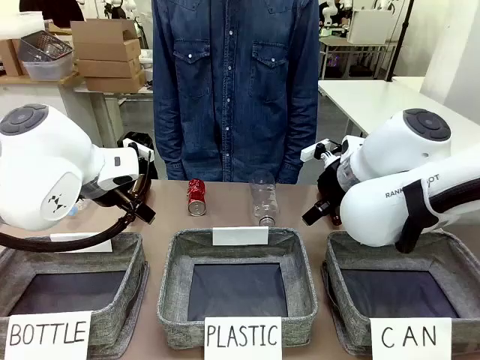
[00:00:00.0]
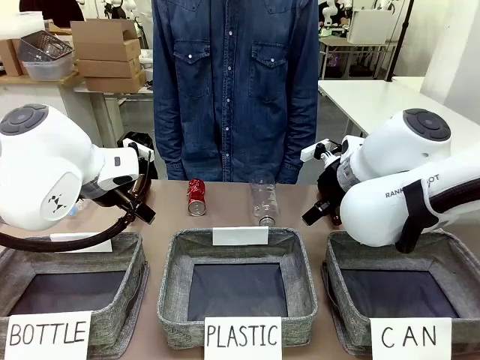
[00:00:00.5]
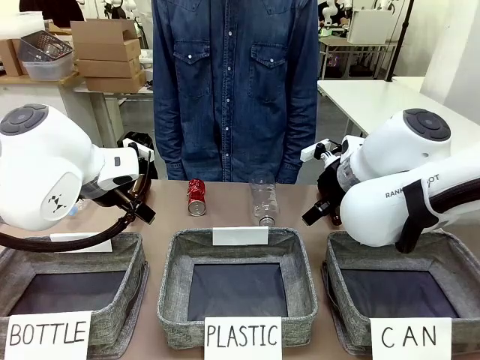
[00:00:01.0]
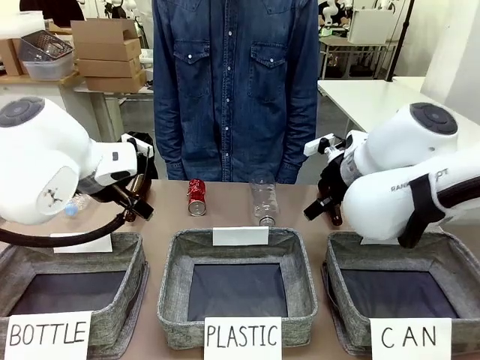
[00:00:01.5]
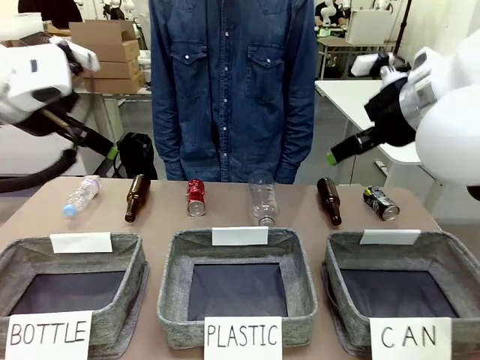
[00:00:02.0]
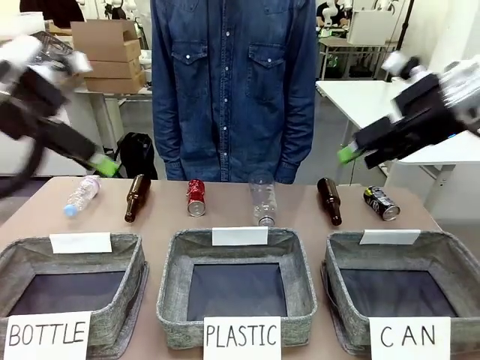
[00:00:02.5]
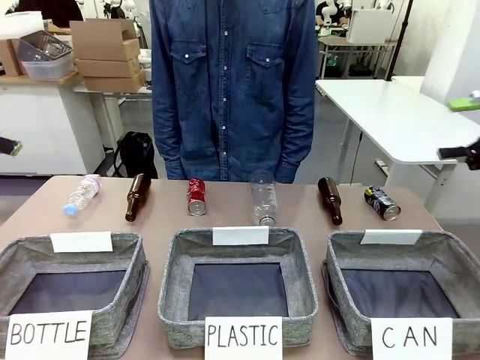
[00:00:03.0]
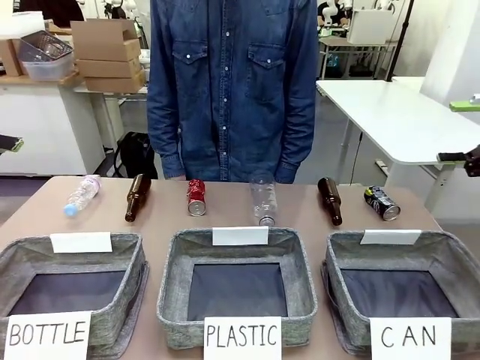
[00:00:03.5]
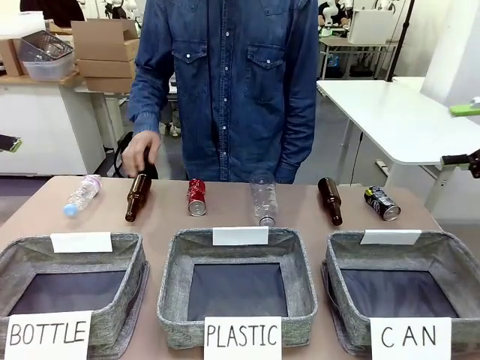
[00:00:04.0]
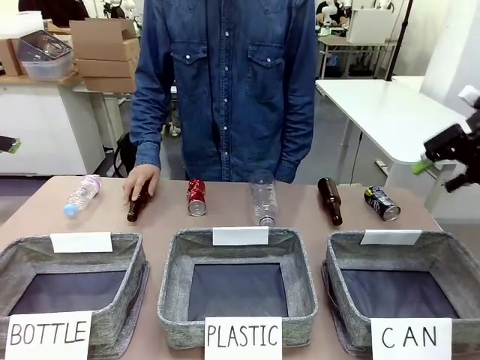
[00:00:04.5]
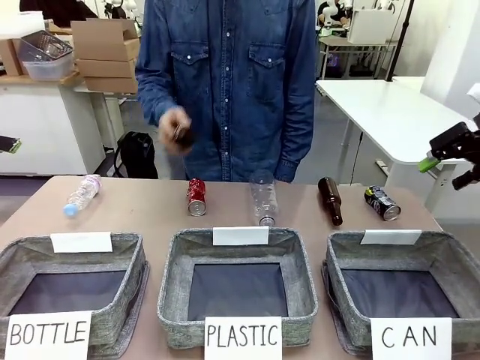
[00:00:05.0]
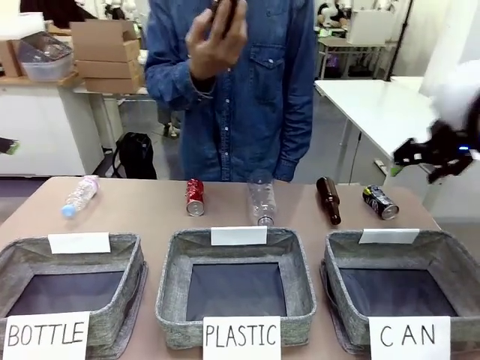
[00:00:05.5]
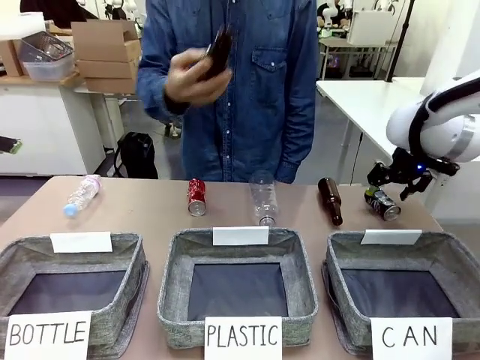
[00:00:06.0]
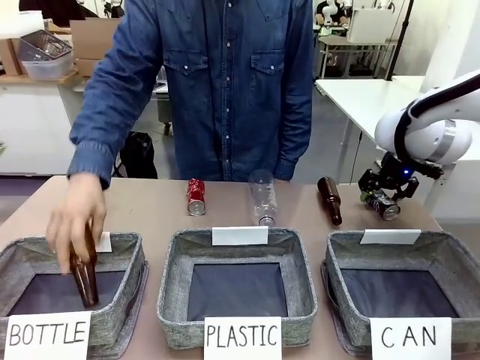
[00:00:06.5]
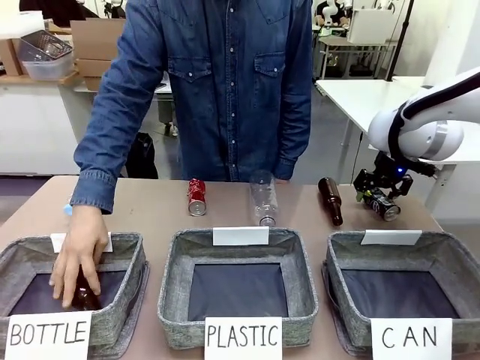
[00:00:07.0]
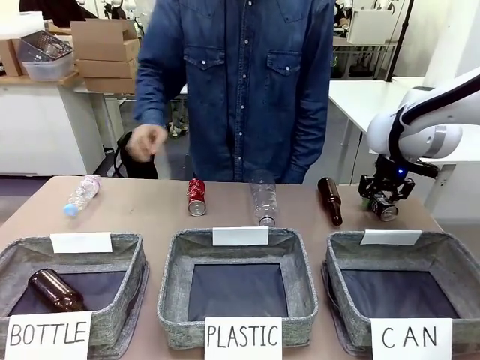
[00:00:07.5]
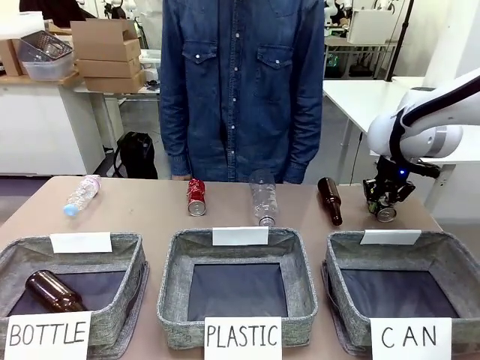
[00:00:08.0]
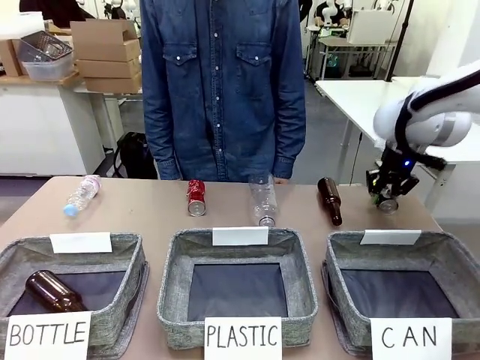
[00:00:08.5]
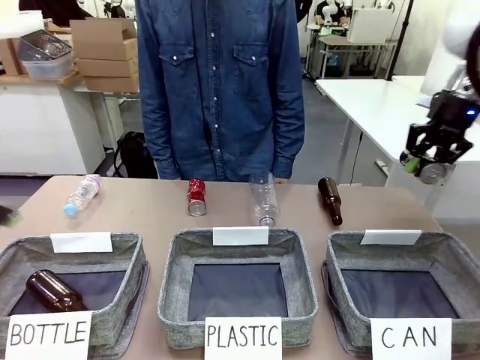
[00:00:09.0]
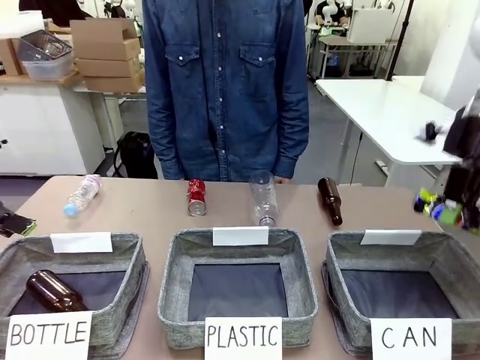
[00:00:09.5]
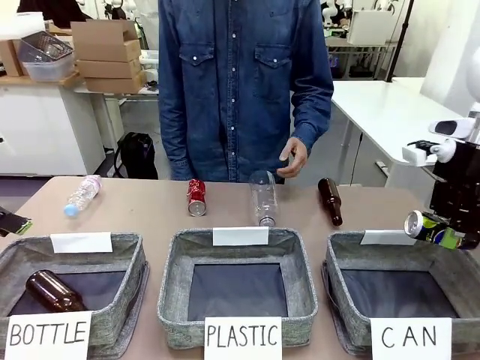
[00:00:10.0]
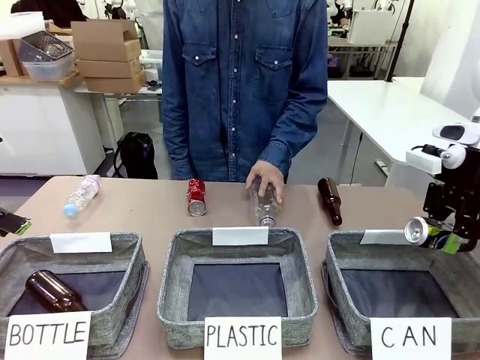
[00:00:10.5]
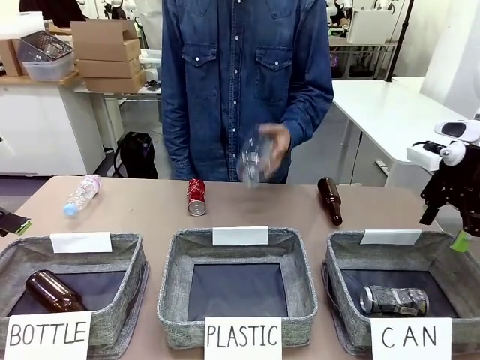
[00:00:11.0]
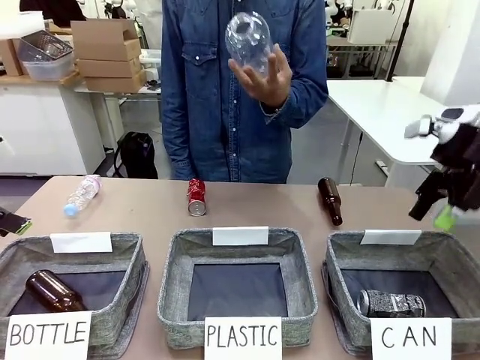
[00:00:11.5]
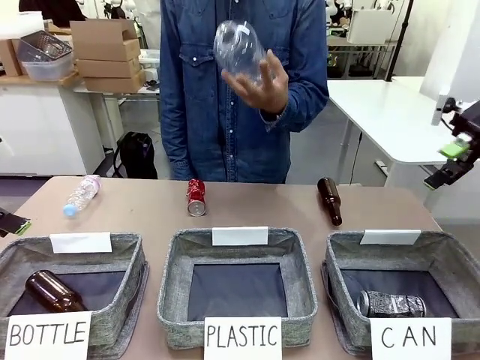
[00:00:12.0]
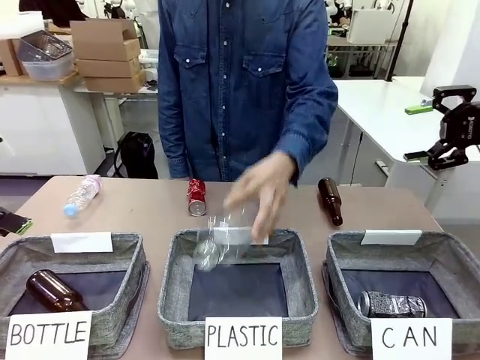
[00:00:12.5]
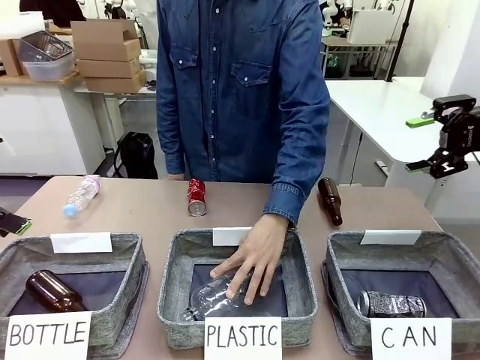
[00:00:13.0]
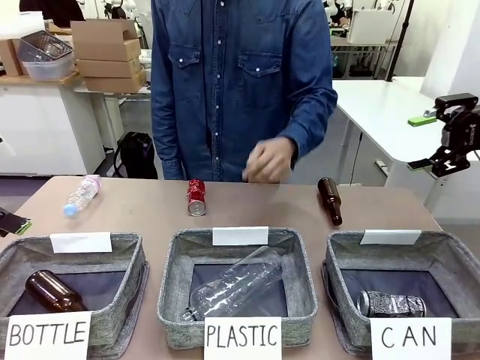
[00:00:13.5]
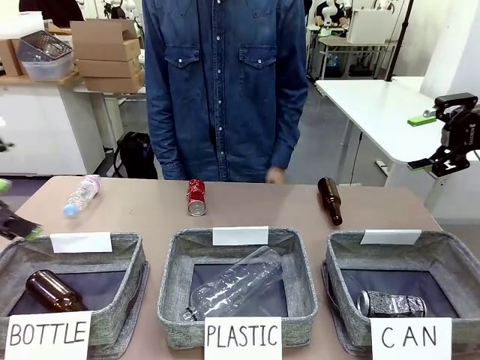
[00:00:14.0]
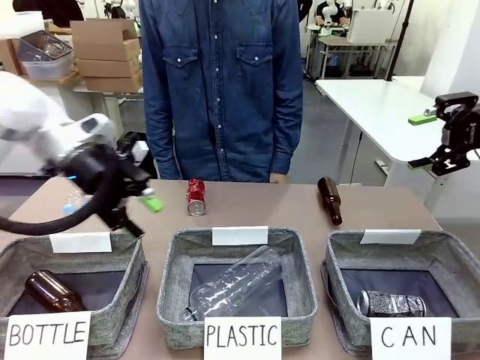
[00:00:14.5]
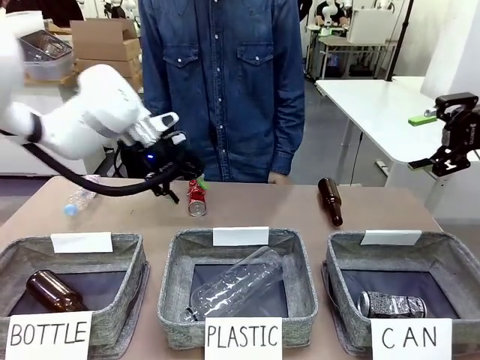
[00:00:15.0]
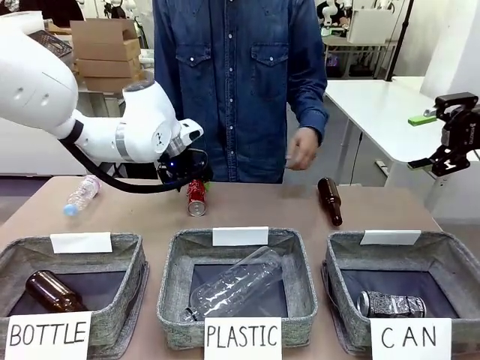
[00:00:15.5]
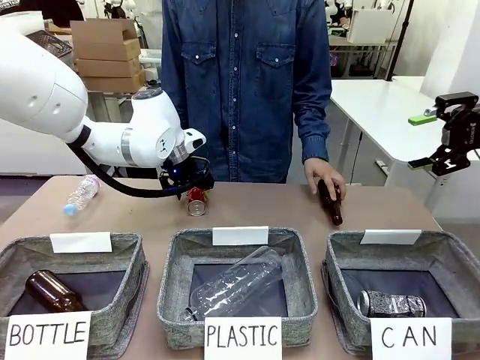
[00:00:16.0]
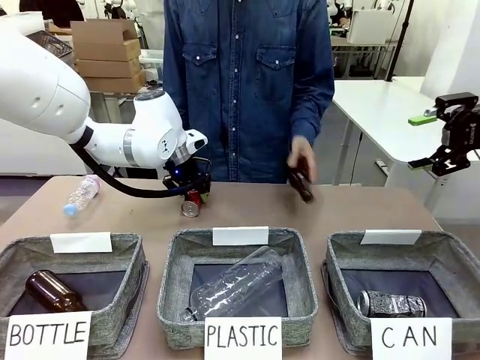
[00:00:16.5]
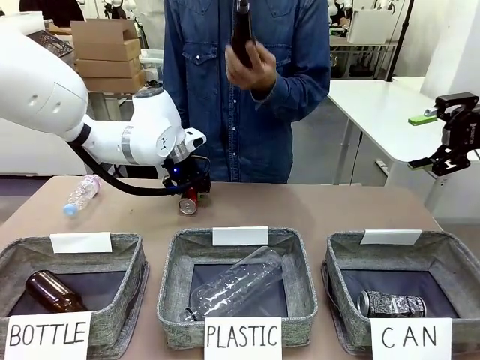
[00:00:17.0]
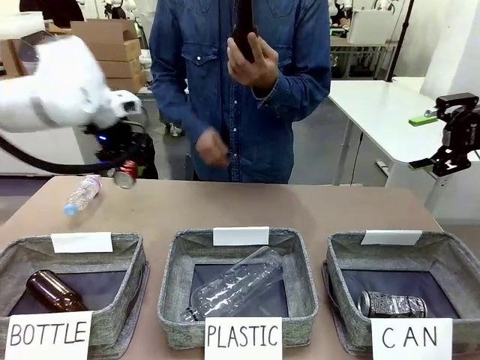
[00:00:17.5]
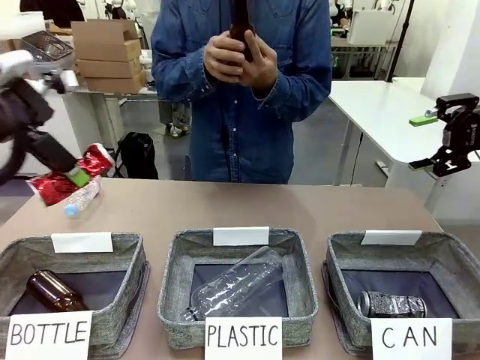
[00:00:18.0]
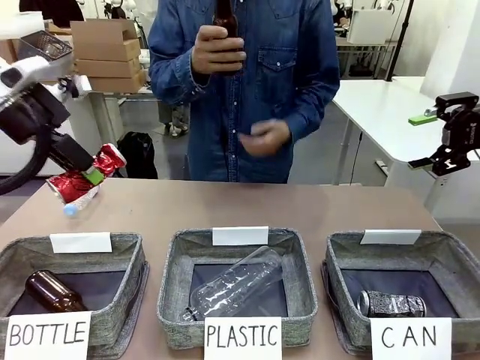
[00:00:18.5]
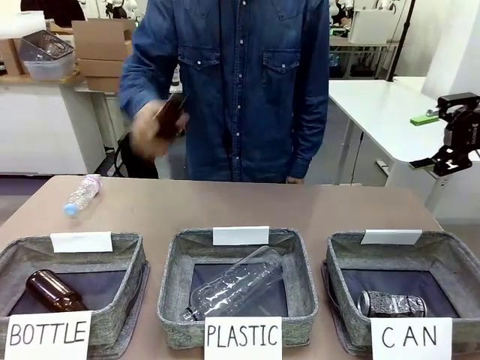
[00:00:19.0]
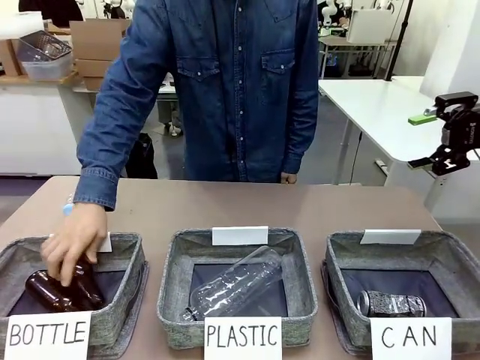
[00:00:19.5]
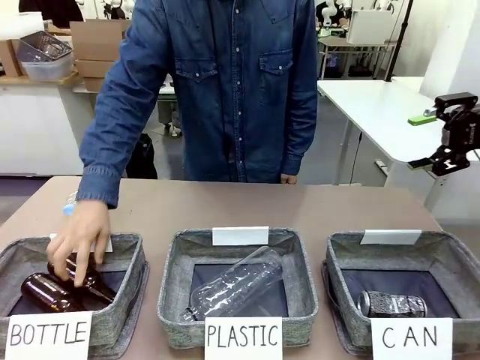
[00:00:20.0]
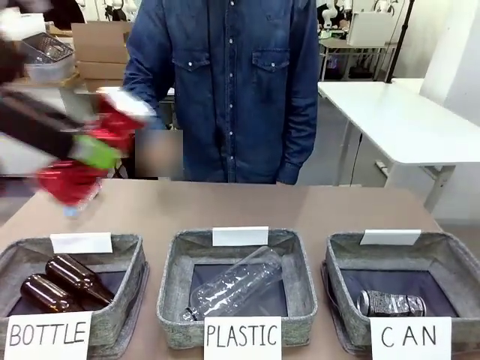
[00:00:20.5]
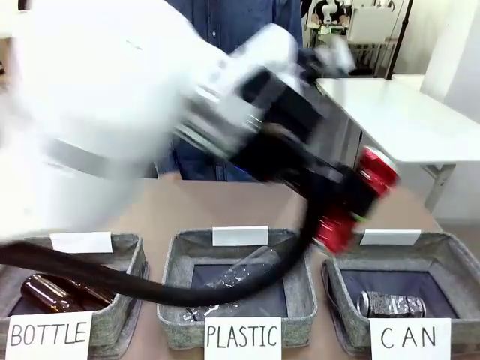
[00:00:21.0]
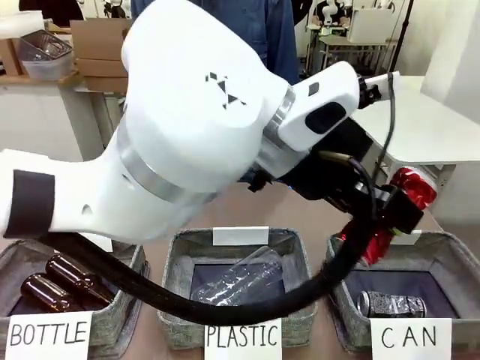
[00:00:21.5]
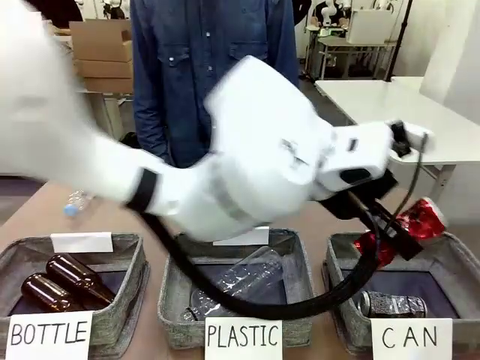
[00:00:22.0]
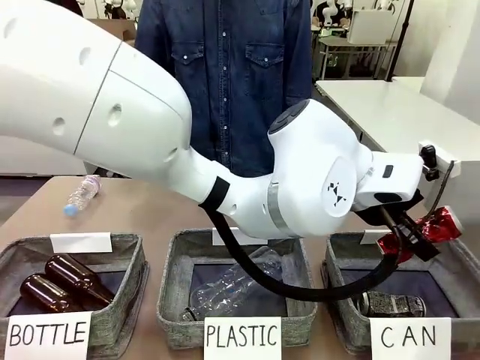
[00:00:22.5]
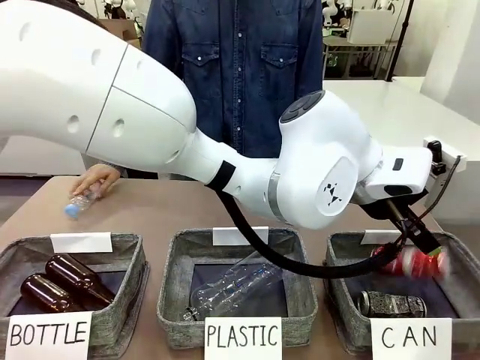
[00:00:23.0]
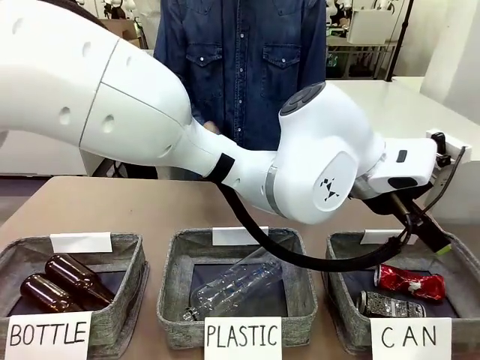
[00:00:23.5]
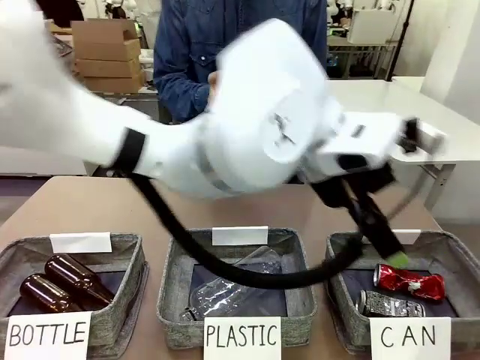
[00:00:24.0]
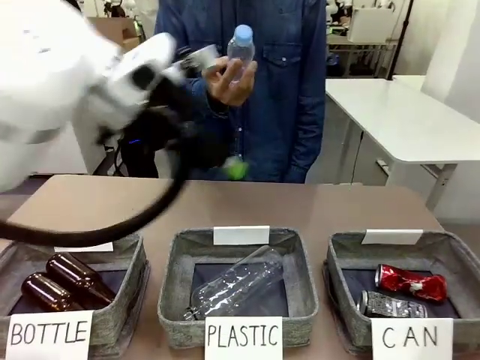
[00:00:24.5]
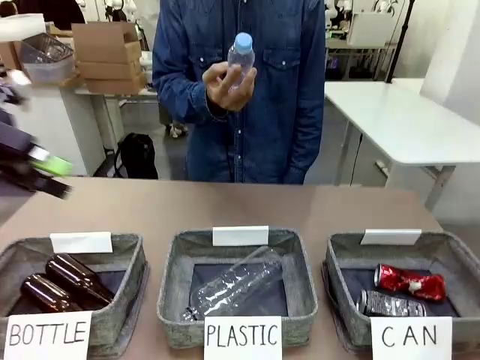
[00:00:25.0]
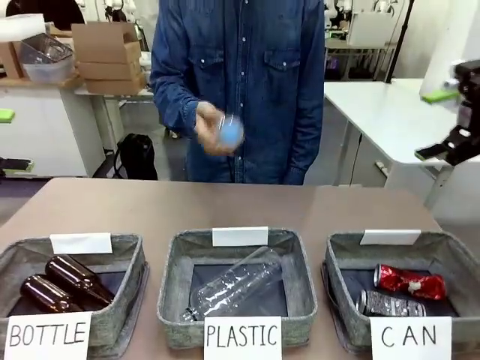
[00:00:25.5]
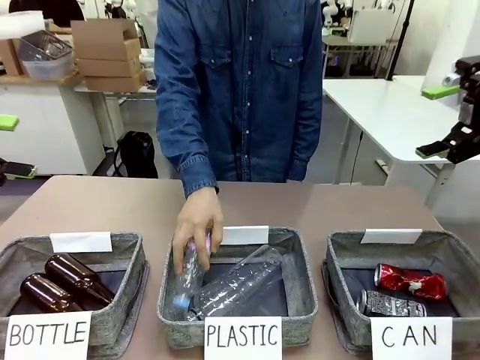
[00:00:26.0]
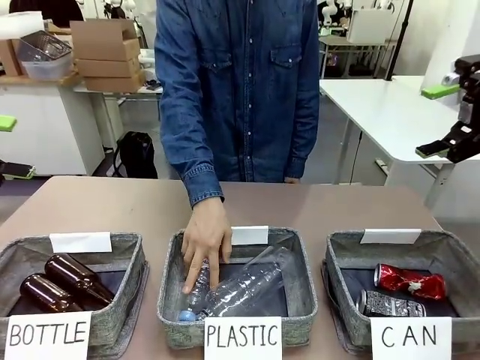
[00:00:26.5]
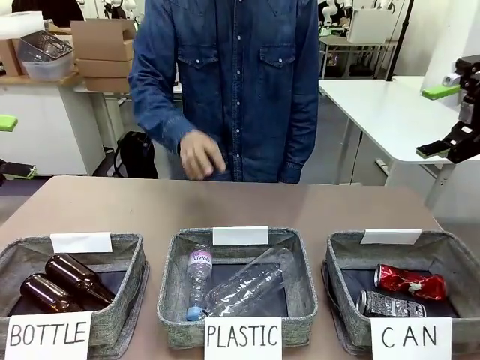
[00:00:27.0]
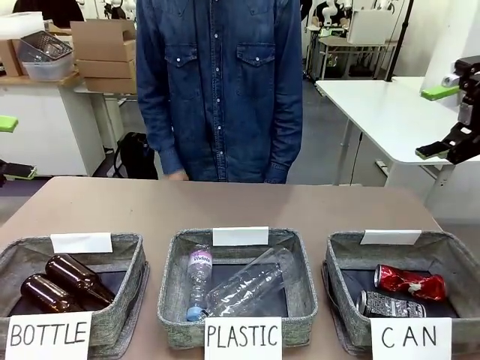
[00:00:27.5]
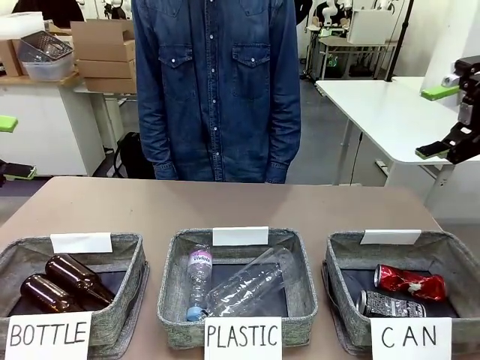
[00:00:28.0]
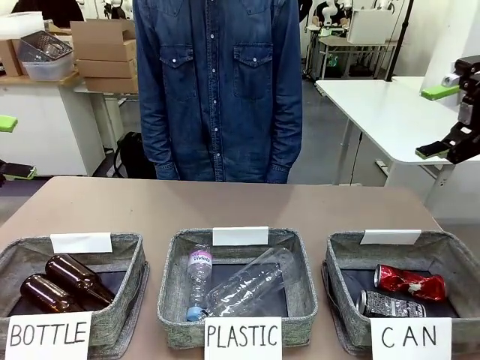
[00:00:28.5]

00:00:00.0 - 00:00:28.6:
Task: Sort the can waste into the basket.
Robot: Pick up the can waste from the table and place it in the right Fabric basket.
Person: The human picks up one piece of trash that is not a can and places the trash into the appropriate organizing basket.
